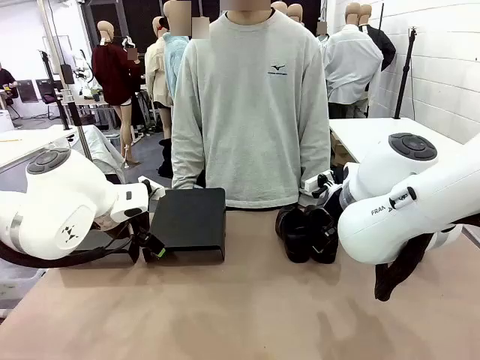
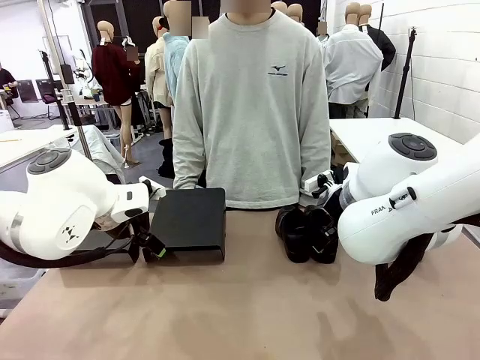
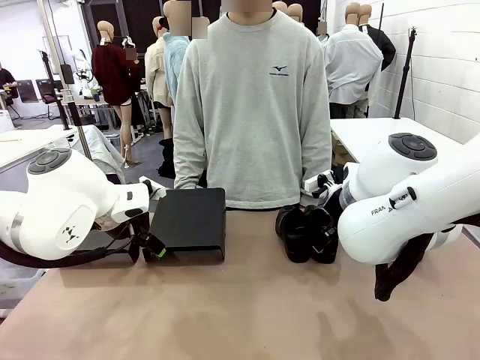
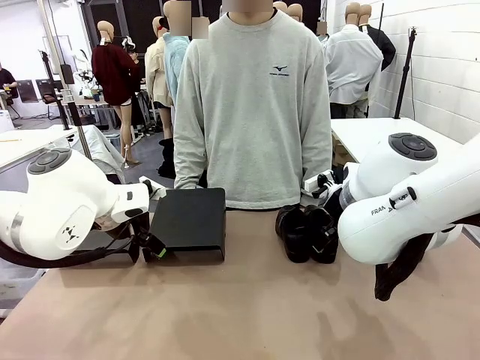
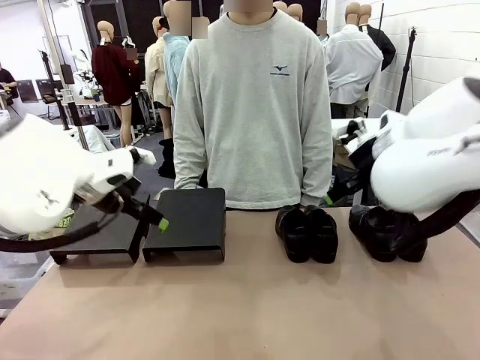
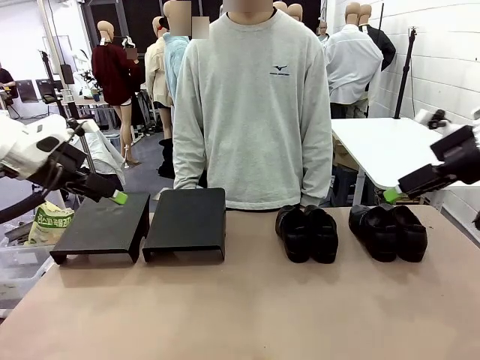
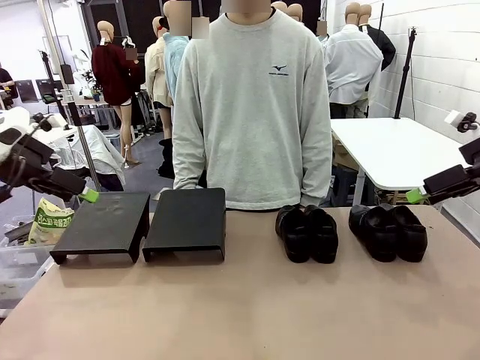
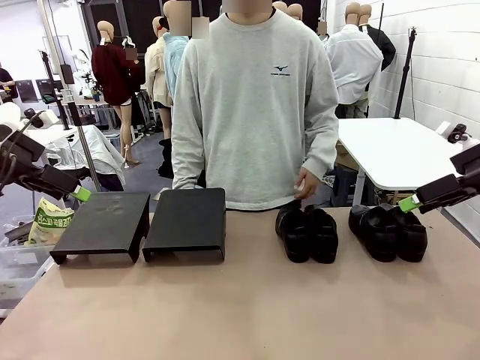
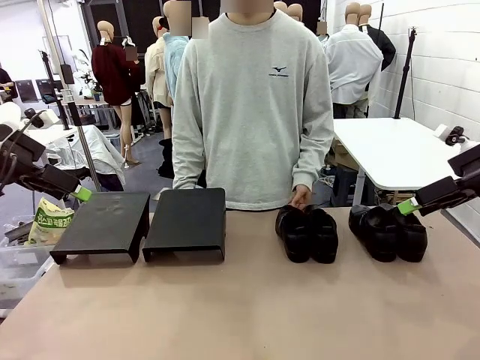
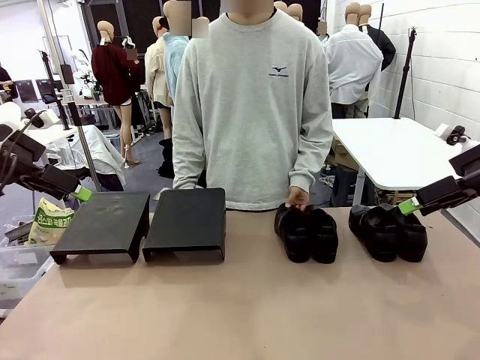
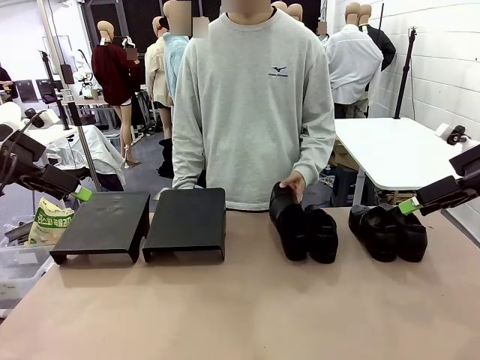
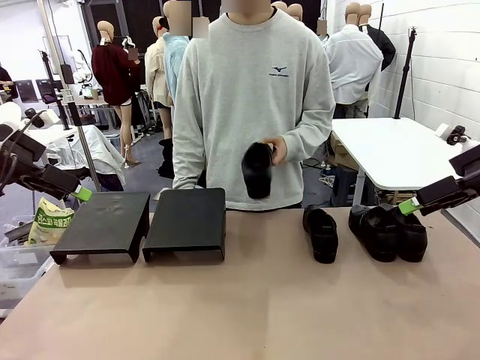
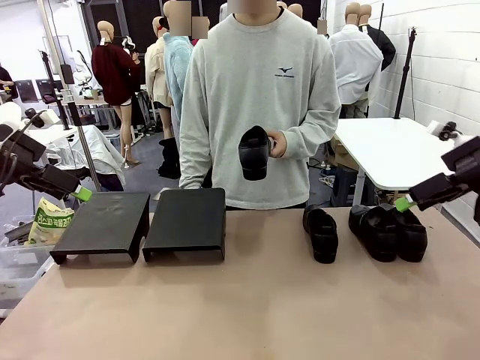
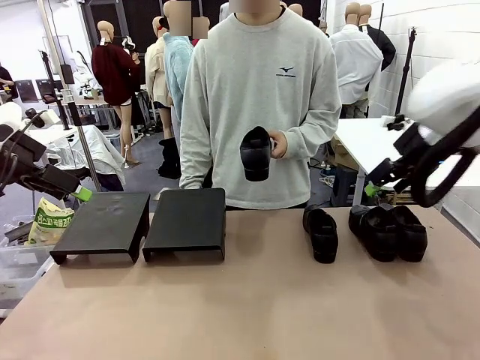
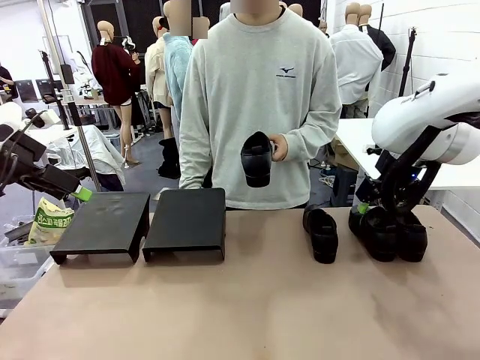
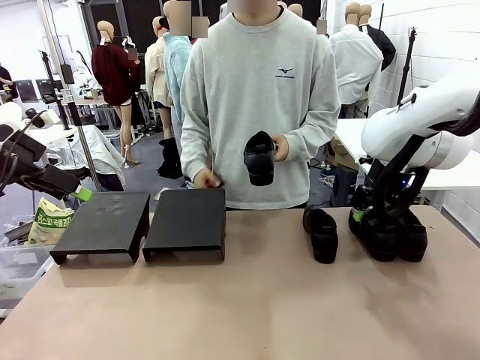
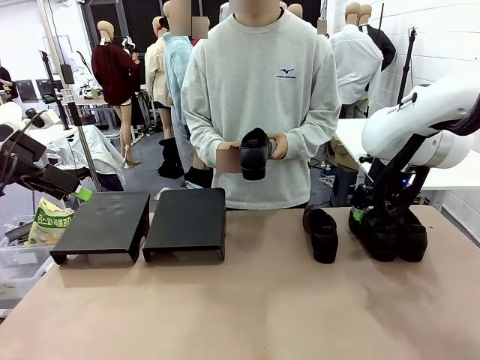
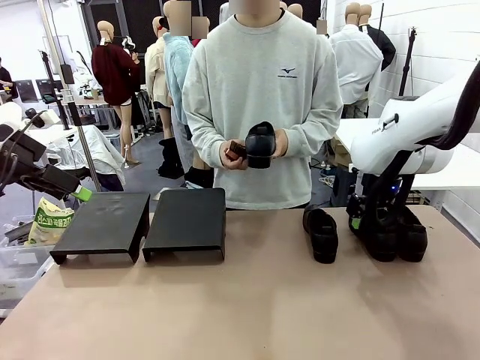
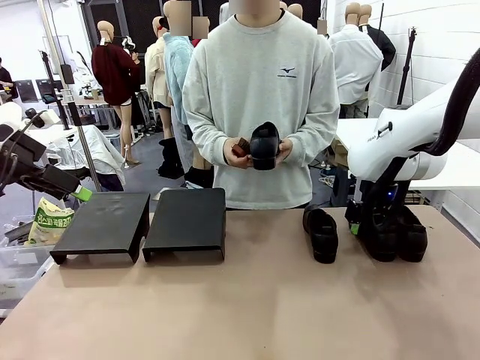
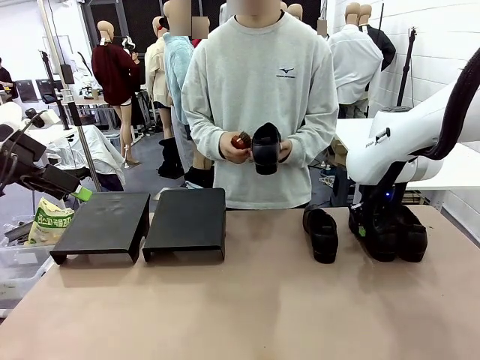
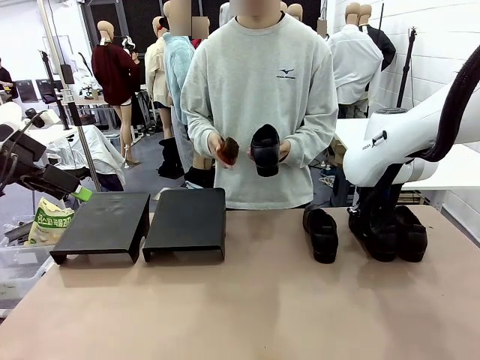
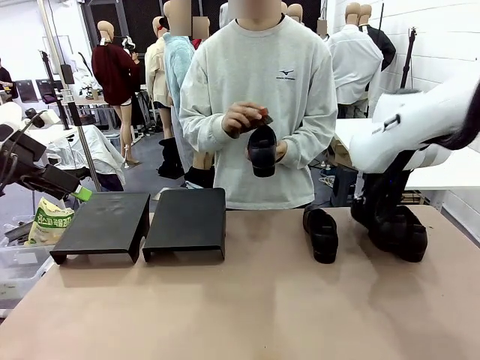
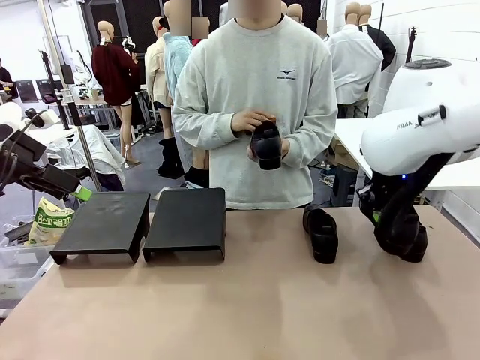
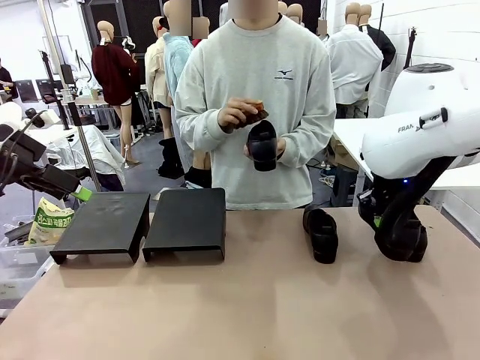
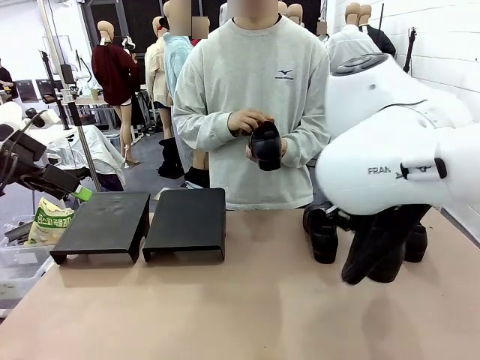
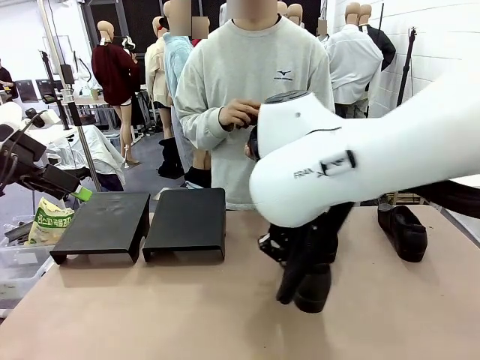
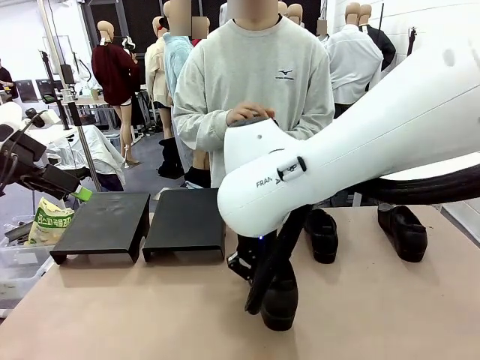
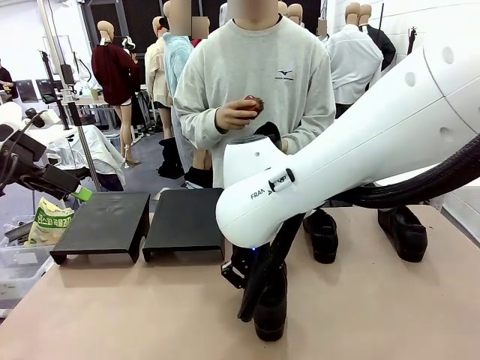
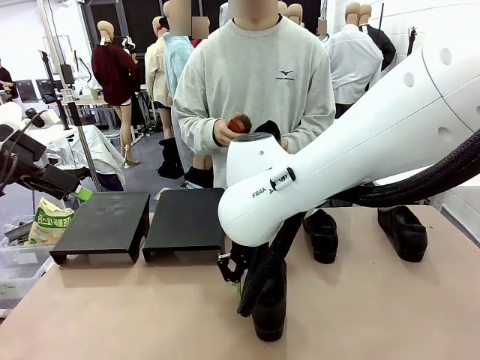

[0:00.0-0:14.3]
Task: Organize the shoes by placing them on the stand.
Robot: Pick up one Shoe and place it in the middle of the table.
Person: Pick one Shoe on Robot's table.

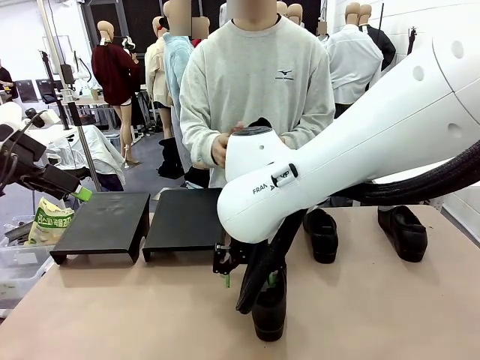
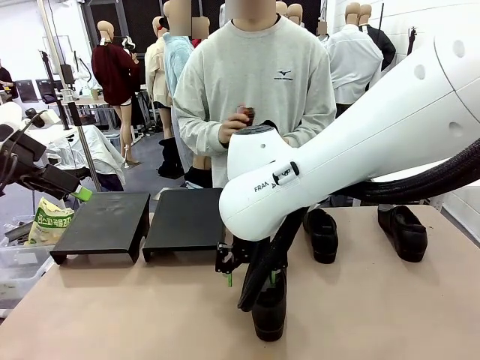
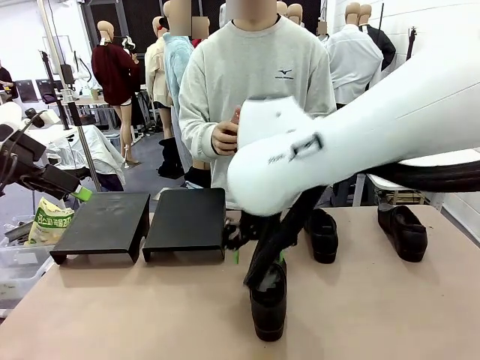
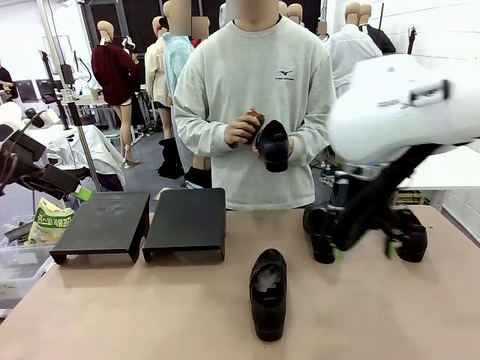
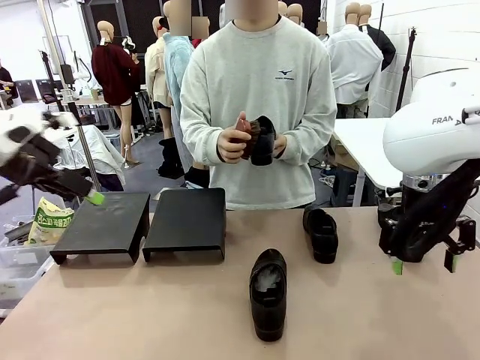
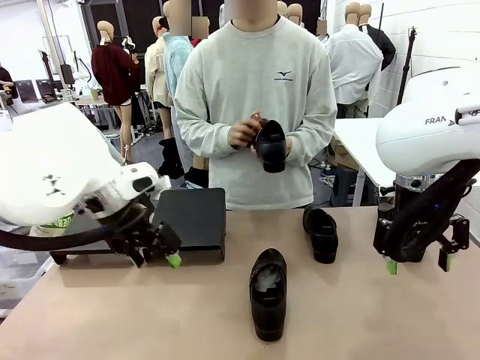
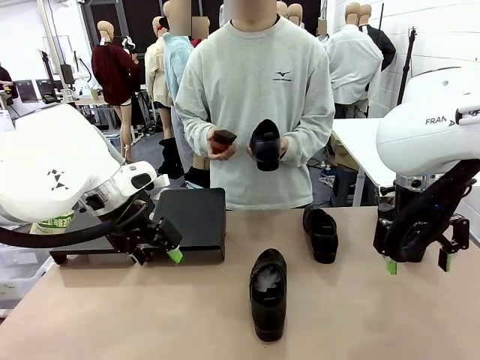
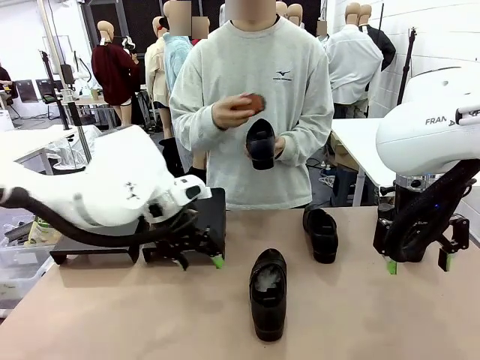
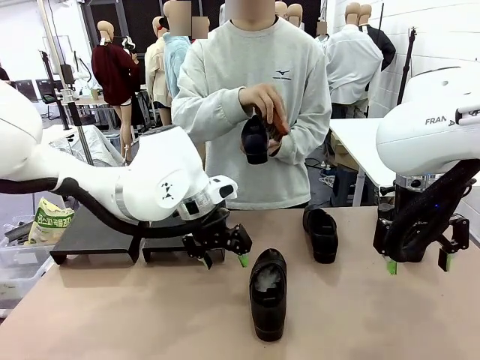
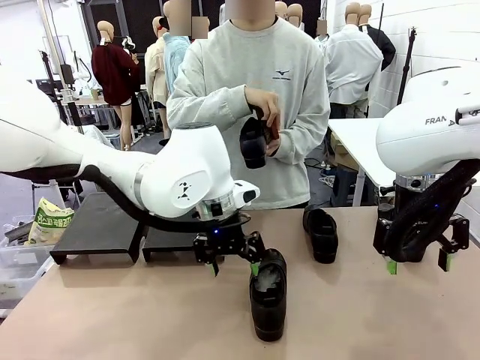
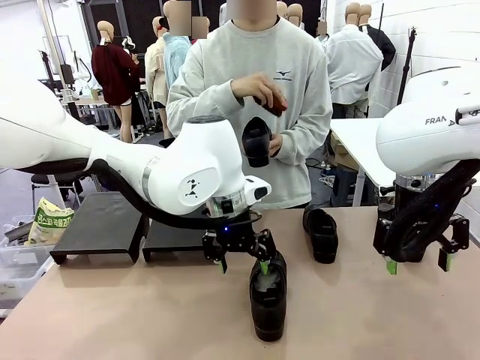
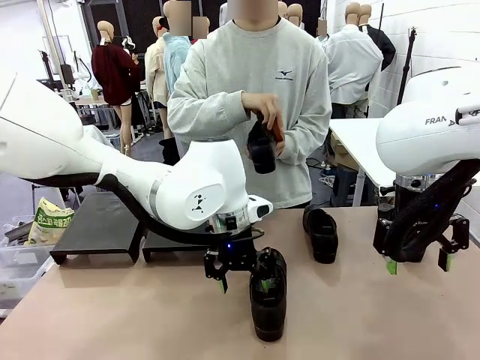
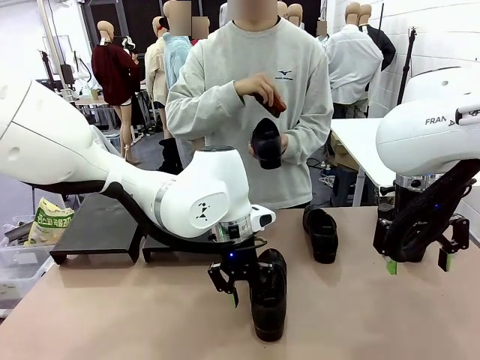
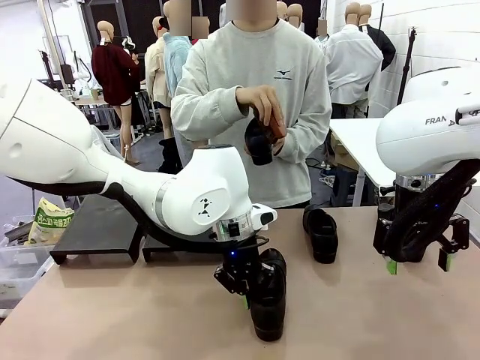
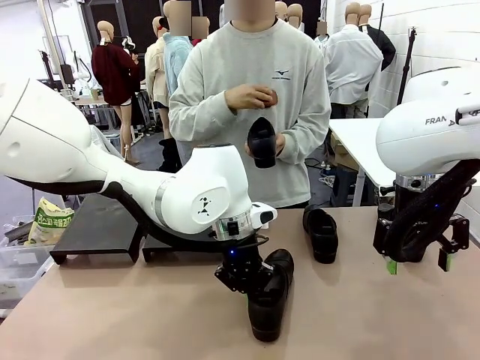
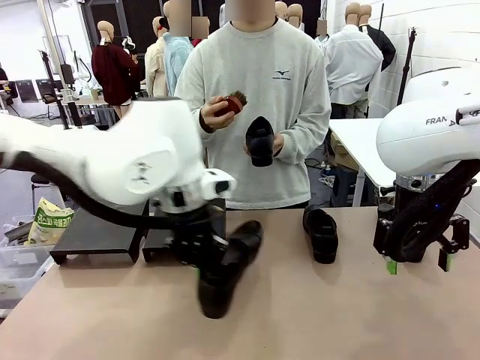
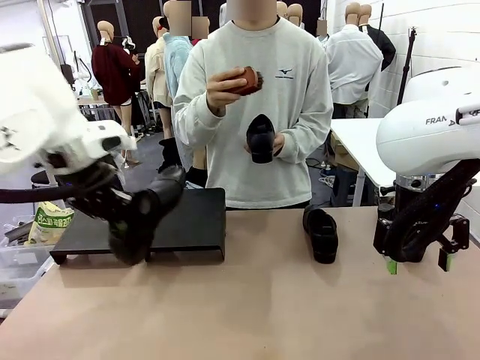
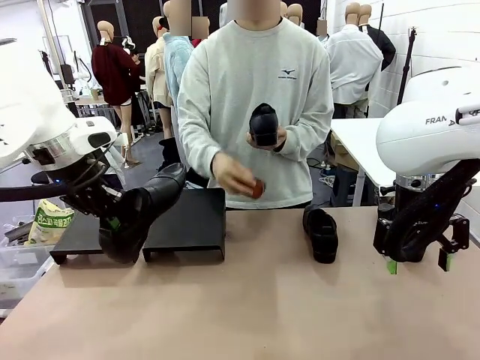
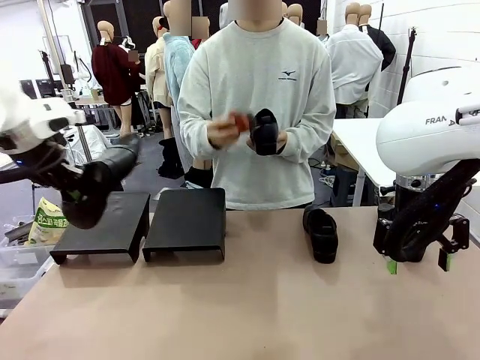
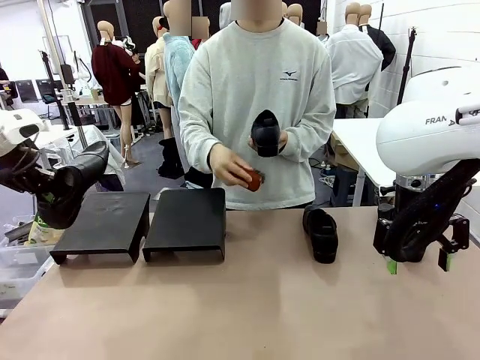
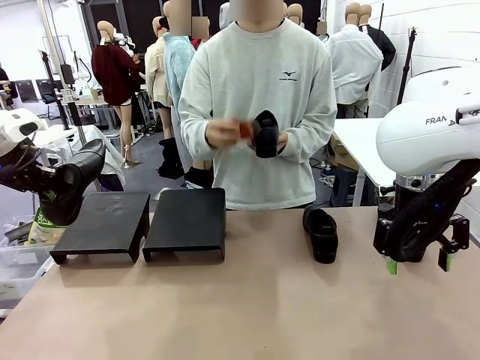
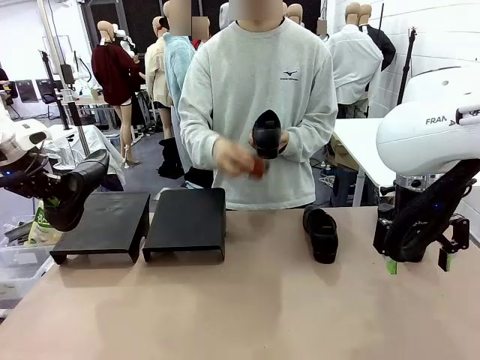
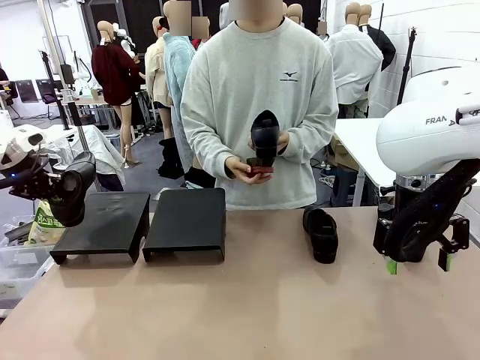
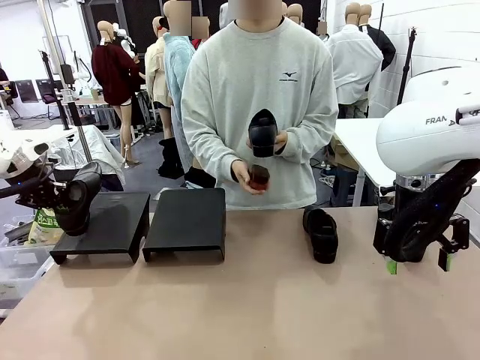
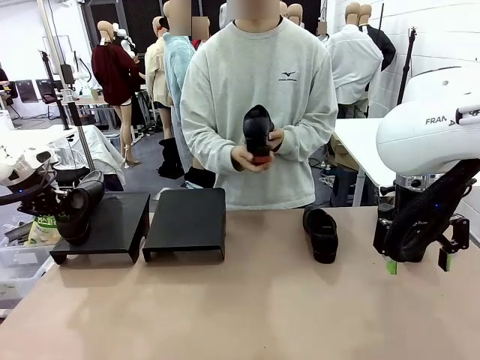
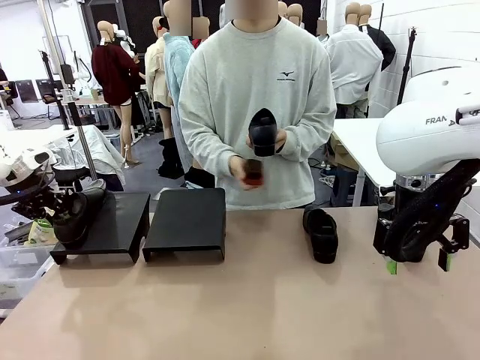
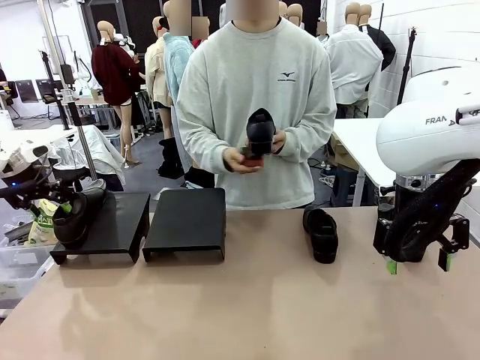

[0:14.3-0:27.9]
Robot: Place the Shoe from the middle of the table onto the Shoes Stand.
Person: Clean the Shoe with the Shoe Brush.
